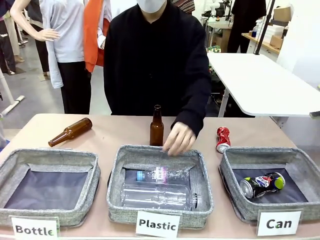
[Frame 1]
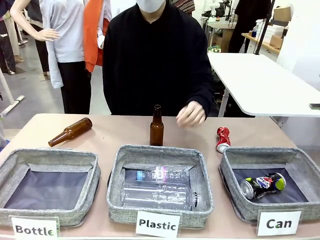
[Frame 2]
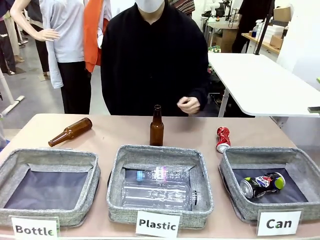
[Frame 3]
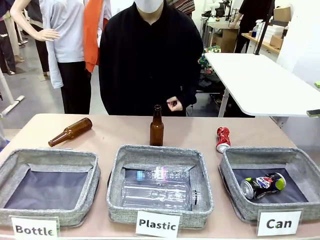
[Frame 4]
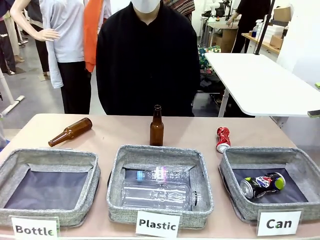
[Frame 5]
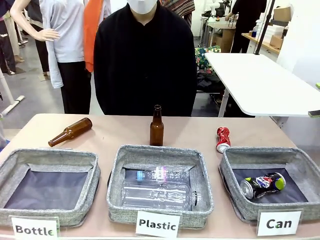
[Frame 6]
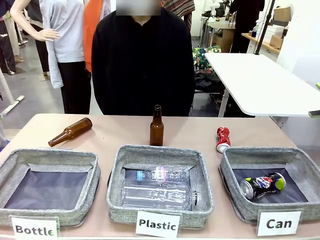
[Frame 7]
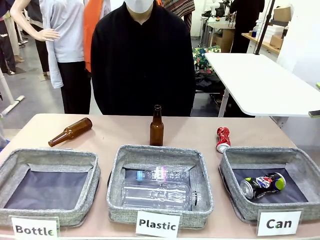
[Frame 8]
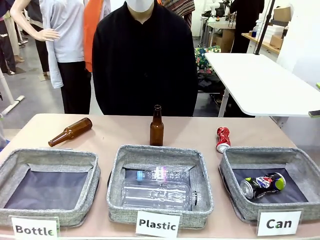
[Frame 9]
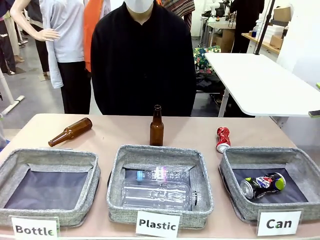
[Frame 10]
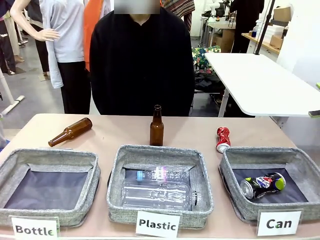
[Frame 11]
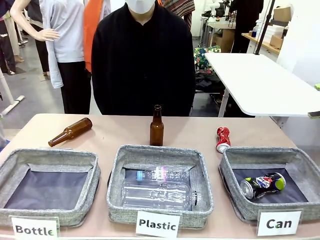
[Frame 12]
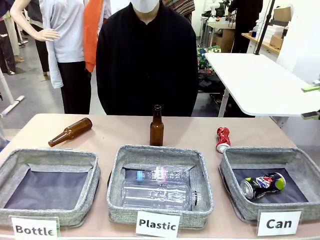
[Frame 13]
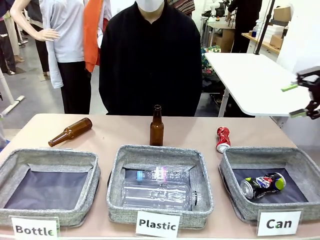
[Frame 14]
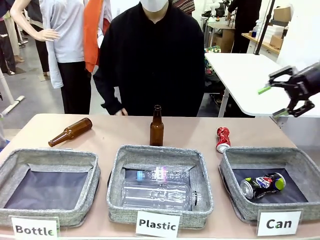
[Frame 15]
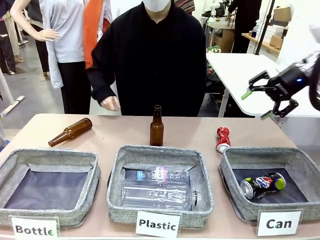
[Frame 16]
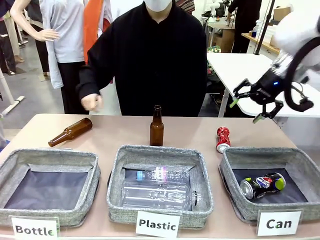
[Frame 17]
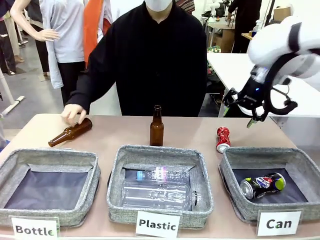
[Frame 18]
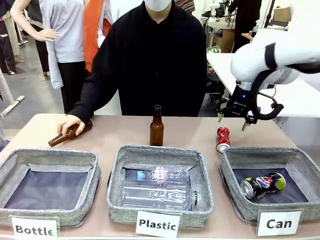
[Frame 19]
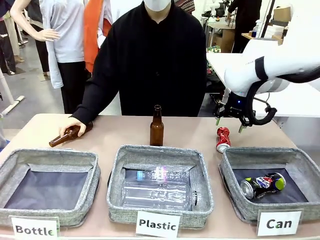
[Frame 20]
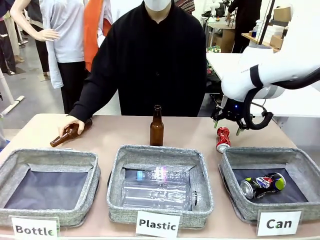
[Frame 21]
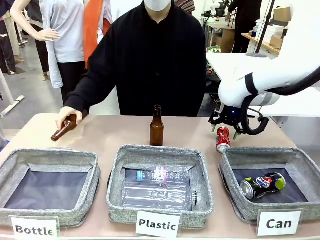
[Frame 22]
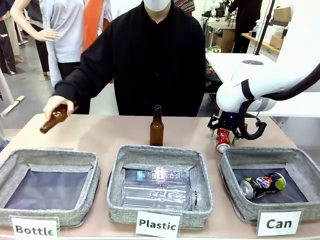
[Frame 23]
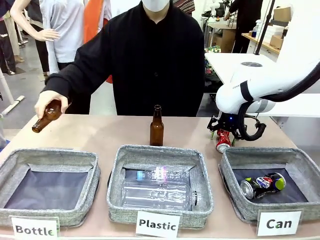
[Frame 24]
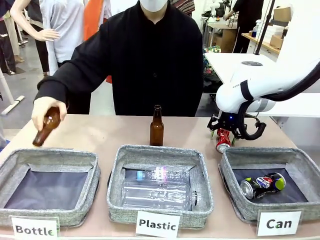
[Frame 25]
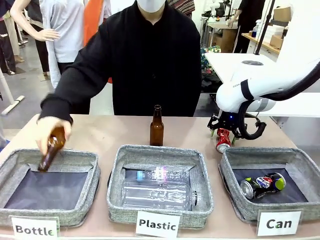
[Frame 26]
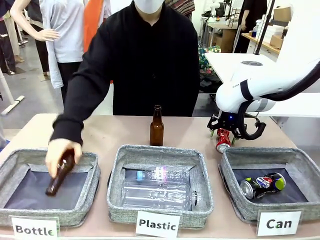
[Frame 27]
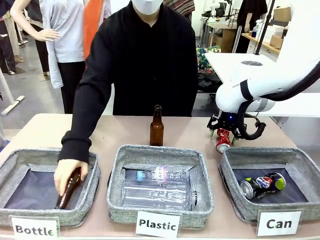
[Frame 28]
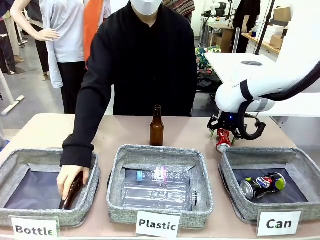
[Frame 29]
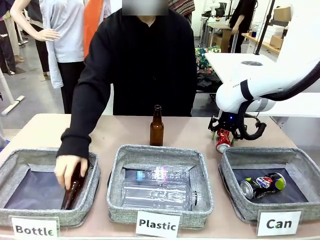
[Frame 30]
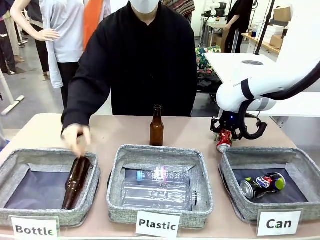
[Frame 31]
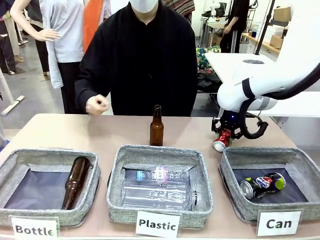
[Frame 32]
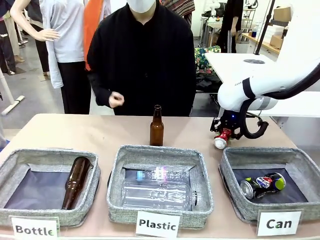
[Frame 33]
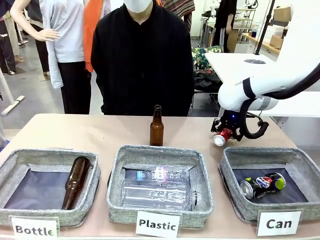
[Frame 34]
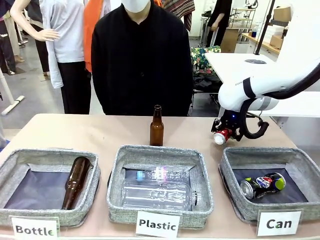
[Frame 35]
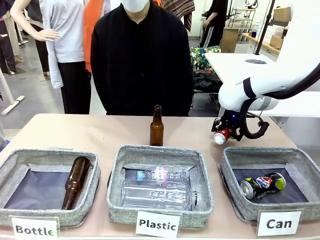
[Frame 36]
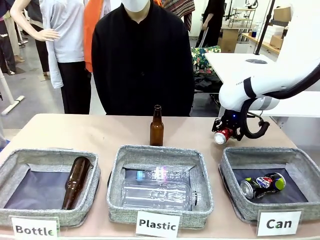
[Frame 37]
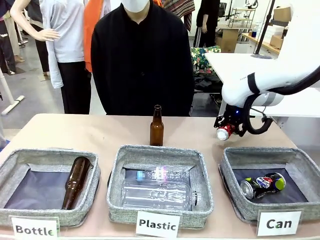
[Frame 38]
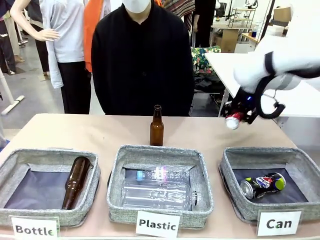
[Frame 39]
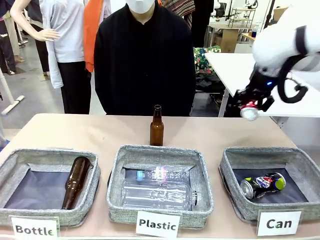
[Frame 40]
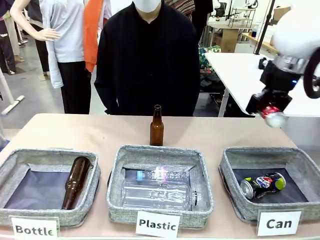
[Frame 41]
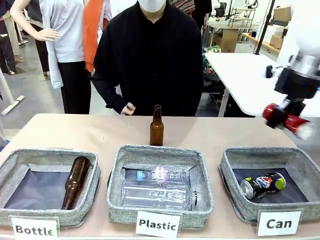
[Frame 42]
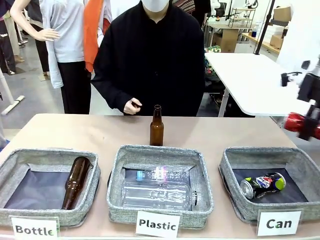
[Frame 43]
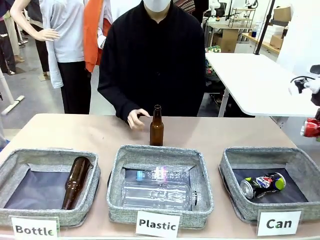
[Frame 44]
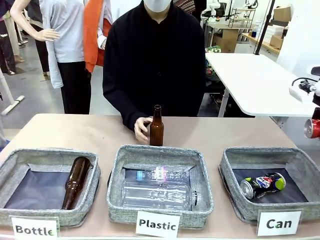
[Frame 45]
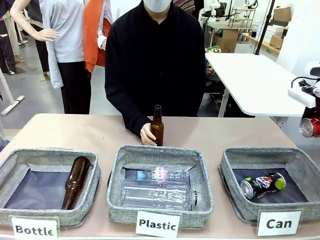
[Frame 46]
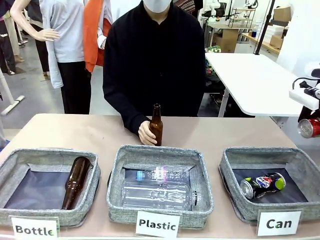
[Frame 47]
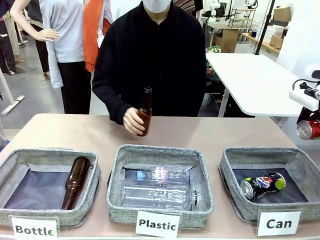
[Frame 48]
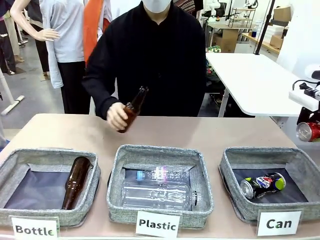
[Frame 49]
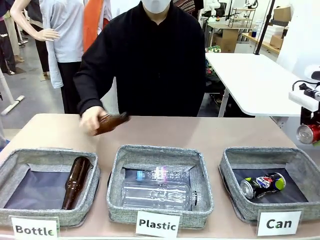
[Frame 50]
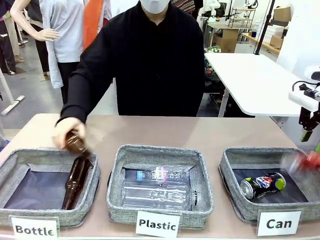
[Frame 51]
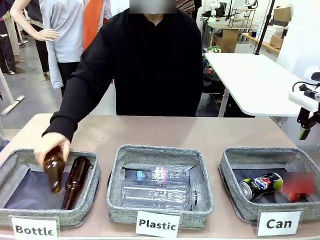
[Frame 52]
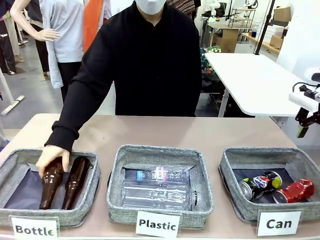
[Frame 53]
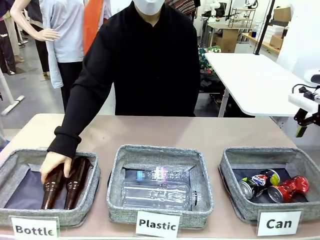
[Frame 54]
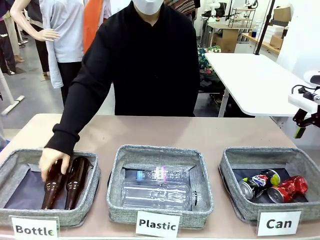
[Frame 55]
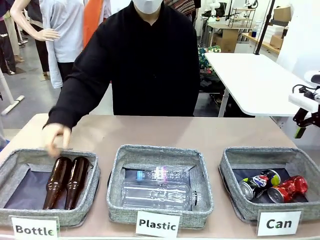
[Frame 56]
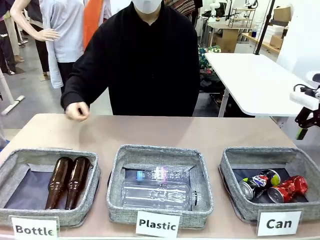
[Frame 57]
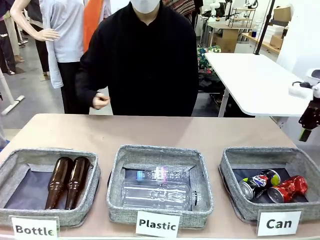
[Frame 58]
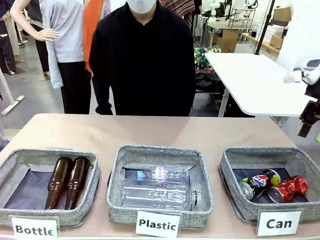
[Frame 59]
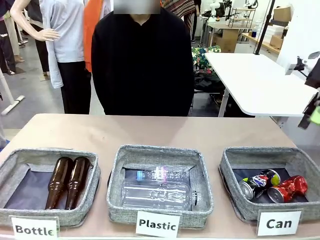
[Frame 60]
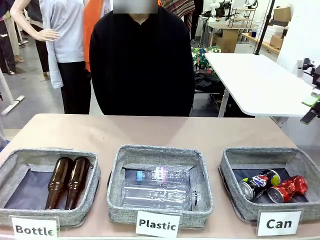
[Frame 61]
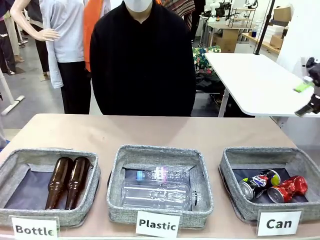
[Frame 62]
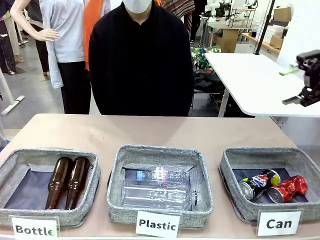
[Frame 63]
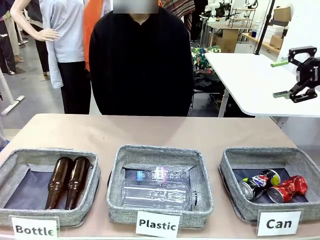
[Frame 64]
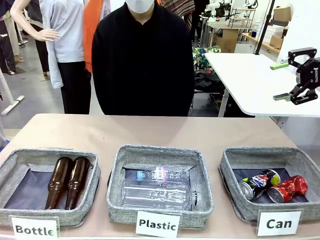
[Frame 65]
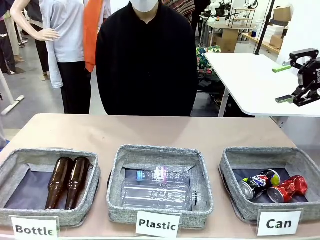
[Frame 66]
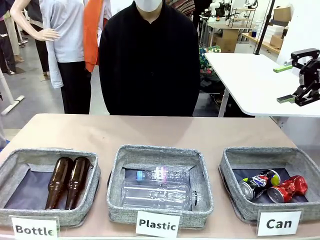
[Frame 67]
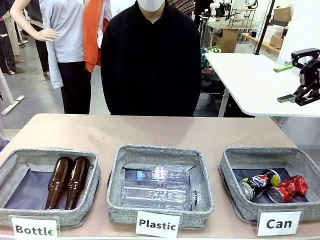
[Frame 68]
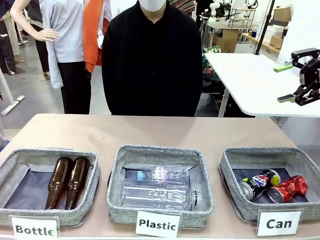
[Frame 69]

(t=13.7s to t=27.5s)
Task: Sort the can waste into the basket.
Robot: Pick up the can waste from the table and place it in the right Fabric basket.
Person: The human picks up one piece of trash that is not a can and places the trash into the appropriate organizing basket.

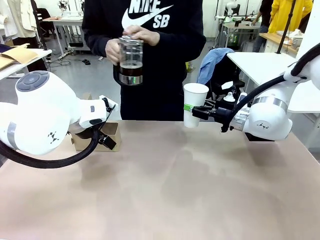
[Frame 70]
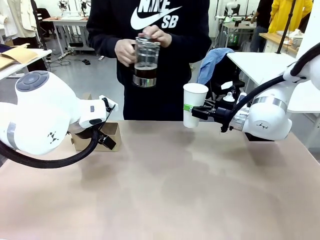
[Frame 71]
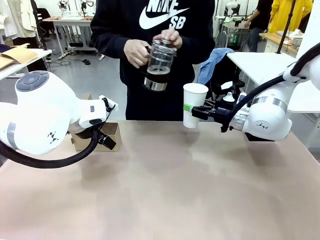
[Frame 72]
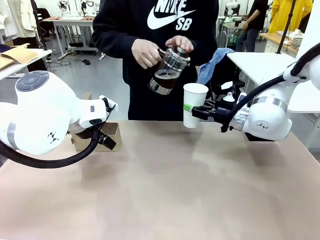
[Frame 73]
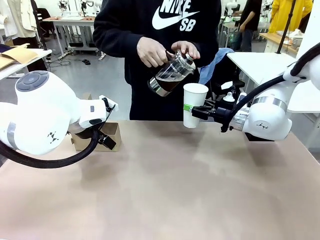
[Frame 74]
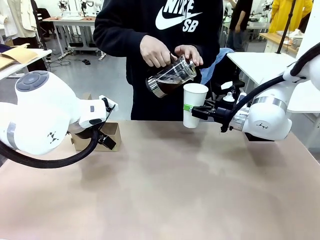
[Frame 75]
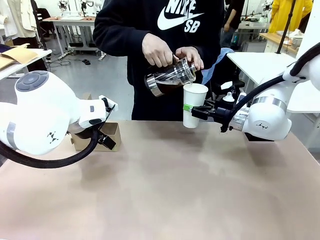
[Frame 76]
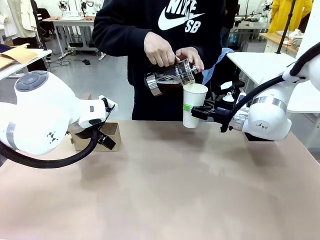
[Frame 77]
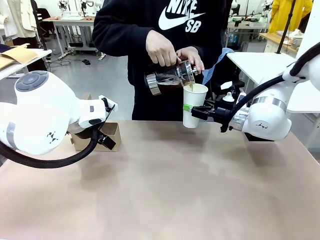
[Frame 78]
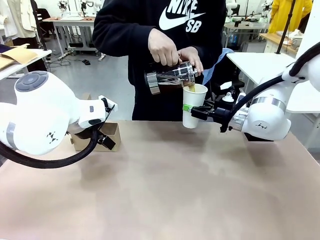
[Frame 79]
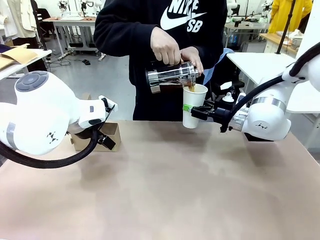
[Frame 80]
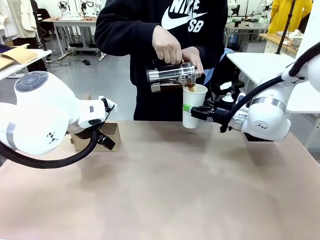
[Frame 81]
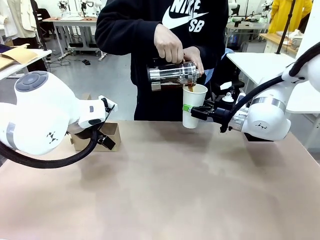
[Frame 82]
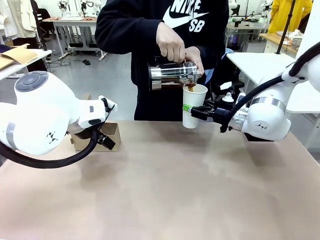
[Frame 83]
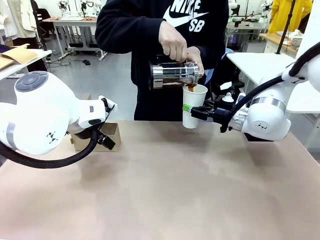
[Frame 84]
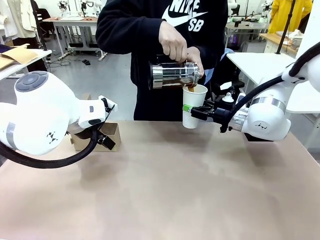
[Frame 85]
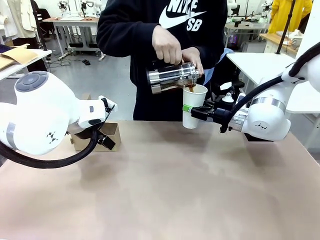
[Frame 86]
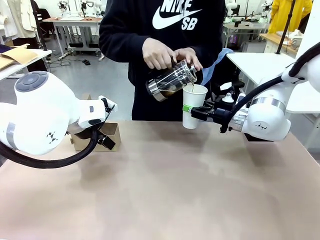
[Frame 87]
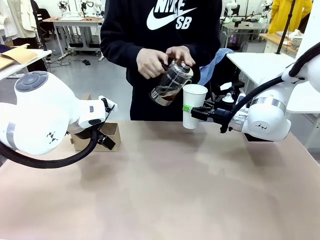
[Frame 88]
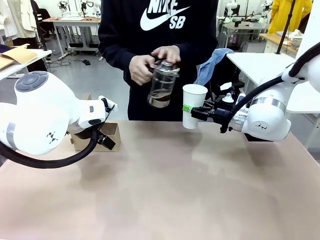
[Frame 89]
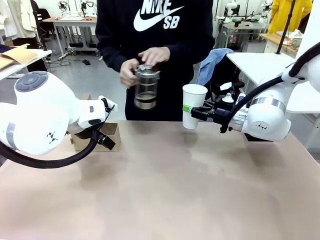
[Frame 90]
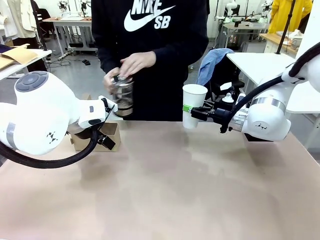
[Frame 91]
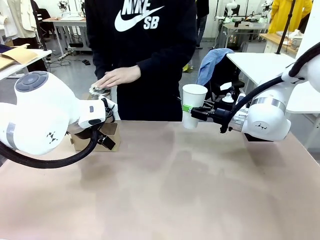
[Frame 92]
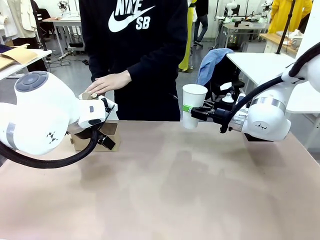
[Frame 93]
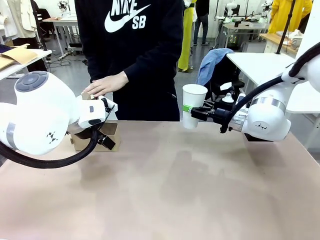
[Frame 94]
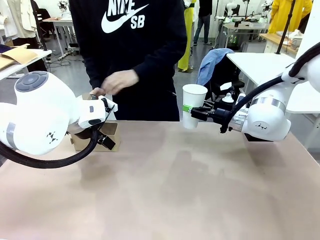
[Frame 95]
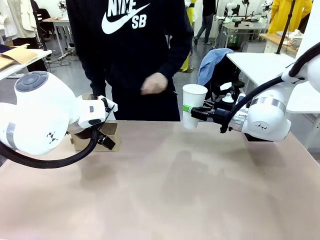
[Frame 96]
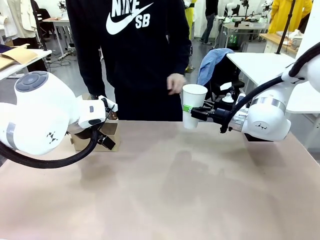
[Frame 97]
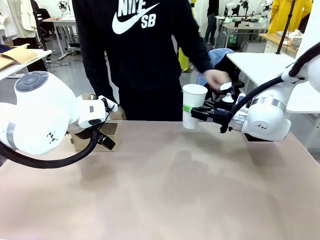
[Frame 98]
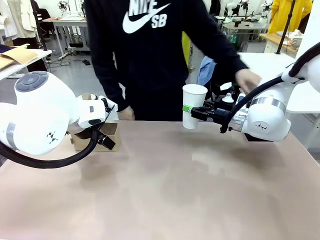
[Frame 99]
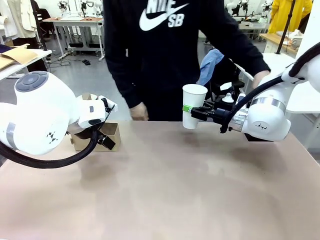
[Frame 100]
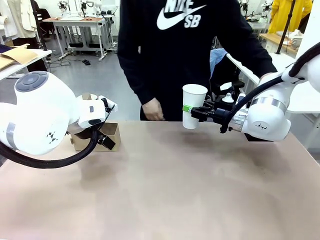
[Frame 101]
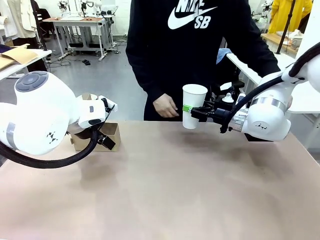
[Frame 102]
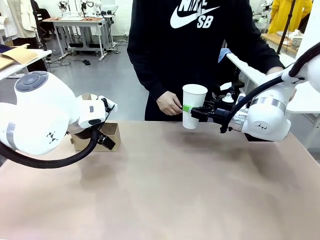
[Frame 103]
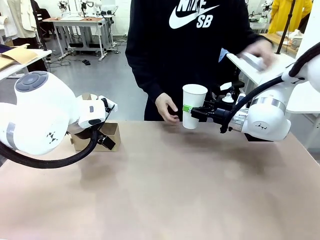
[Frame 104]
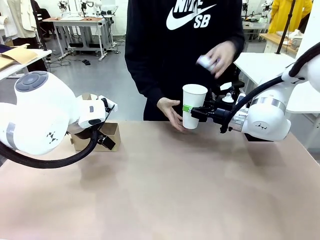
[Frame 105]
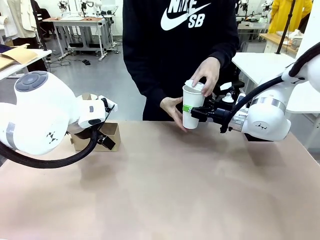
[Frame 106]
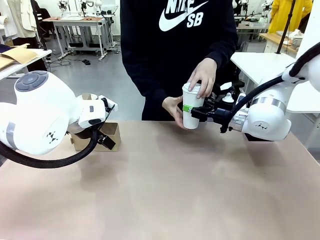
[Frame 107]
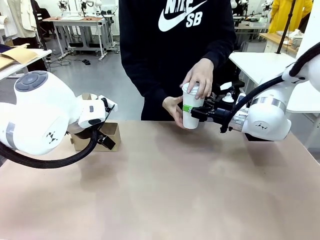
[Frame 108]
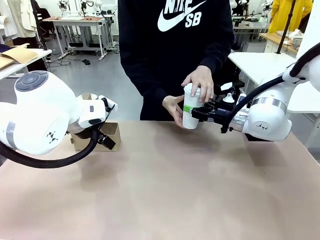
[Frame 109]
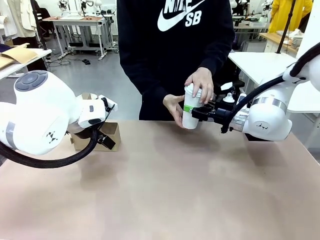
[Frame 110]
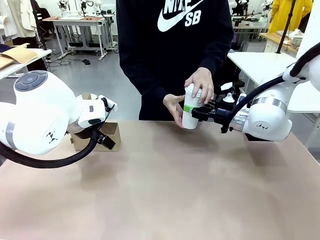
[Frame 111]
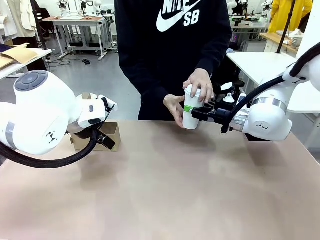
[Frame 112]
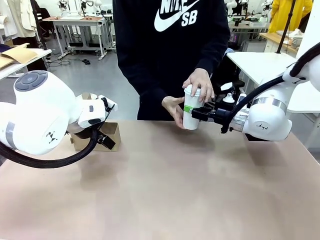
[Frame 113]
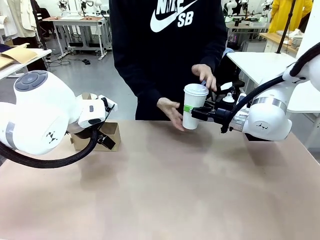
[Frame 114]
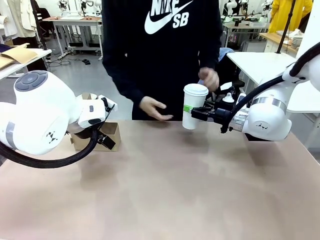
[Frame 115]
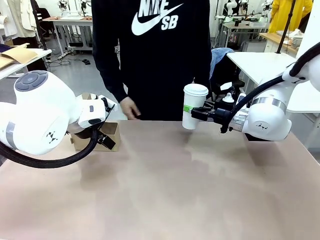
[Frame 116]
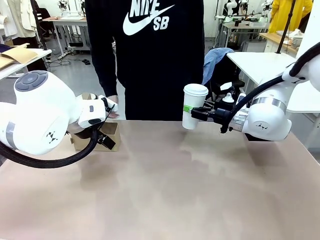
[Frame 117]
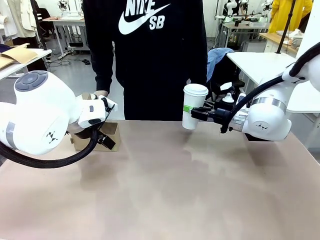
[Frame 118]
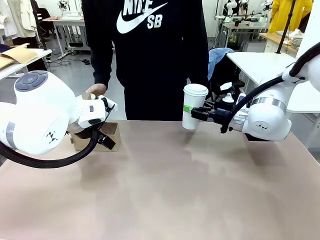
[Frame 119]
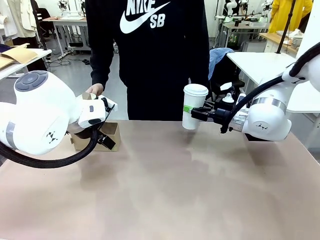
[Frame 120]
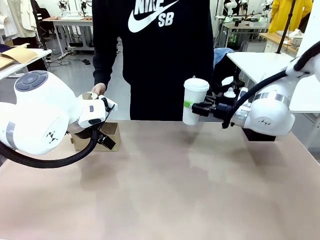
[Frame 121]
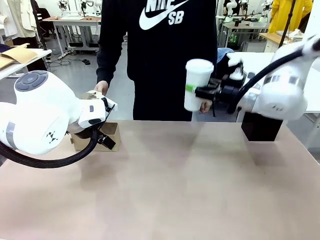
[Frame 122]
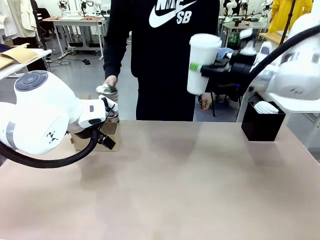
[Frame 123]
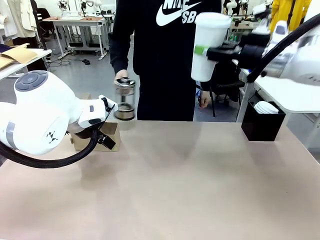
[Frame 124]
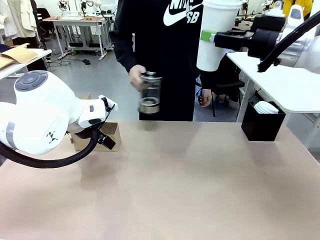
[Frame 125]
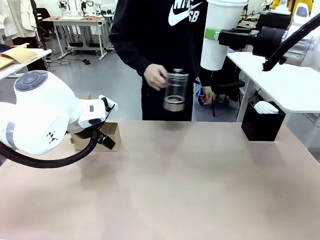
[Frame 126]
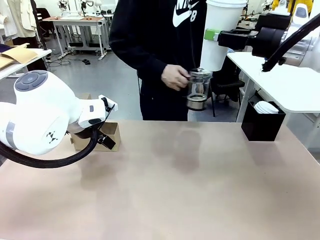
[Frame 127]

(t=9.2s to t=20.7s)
Task: Pour a drink into a cup and package it in a carrier.
Robot: When a person places the Paper Cup Lid on the 600 ml Paper Cup , lift the 600 ml Paper Cup.
Person: Pour the drink from the Filter Brewing into the 600 ml Paper Cup. Place a Paper Cup Lid on the 600 ml Paper Cup.
